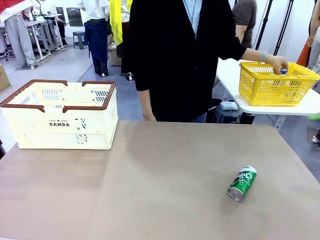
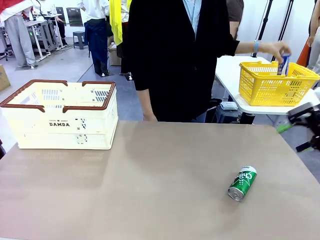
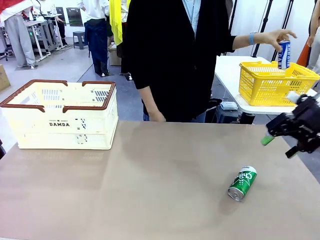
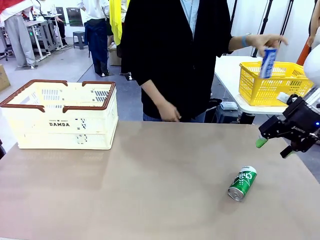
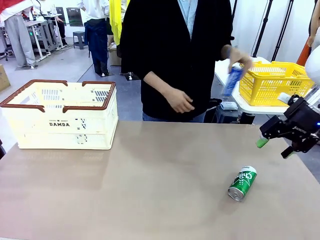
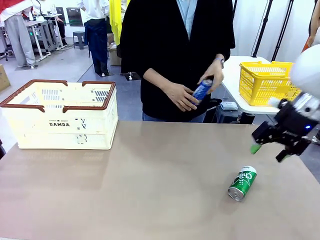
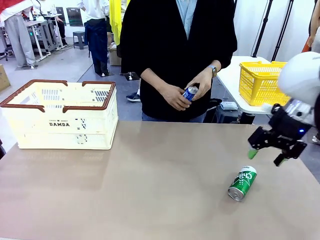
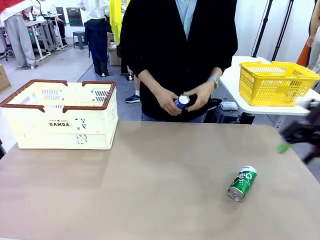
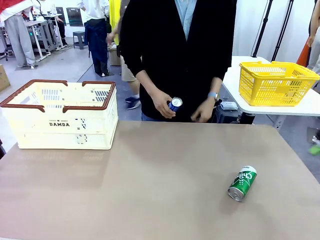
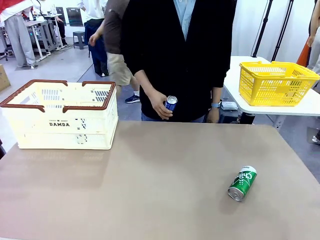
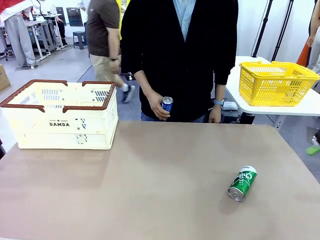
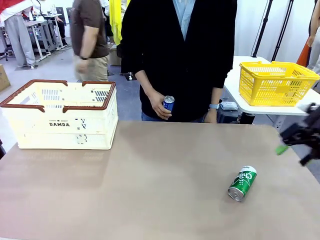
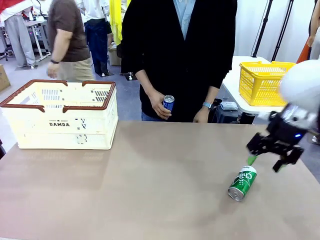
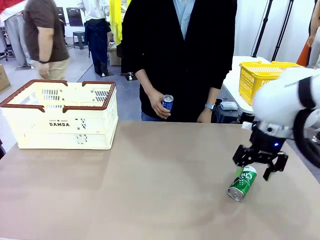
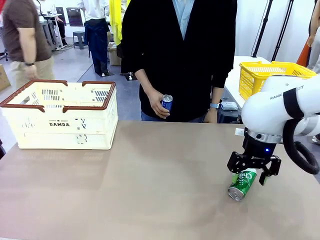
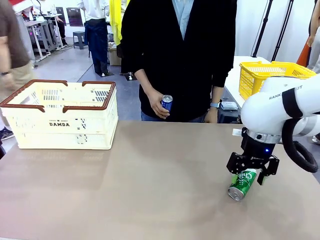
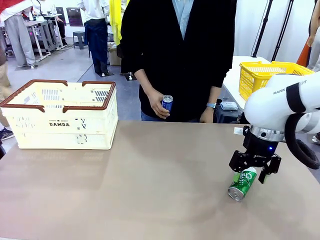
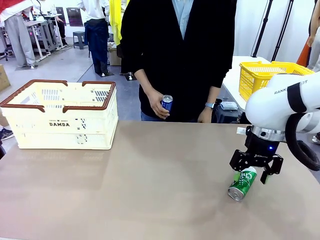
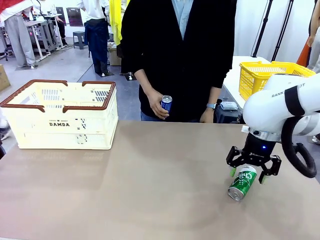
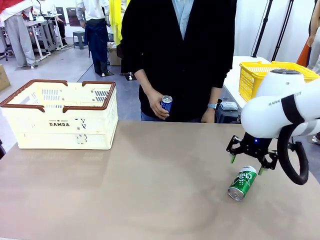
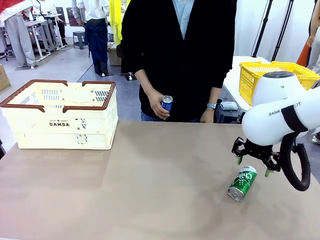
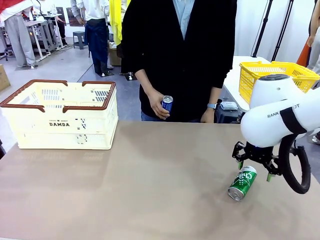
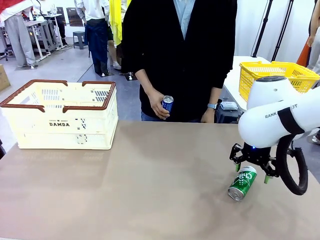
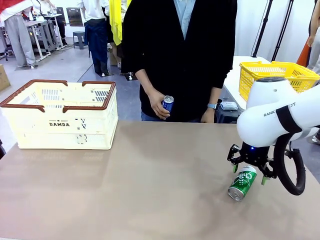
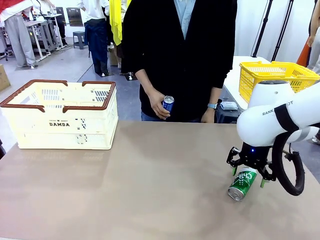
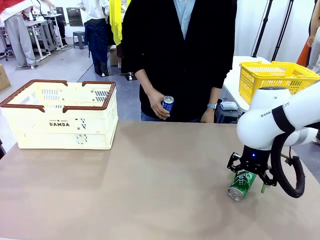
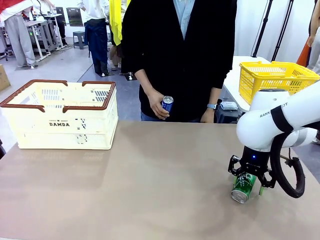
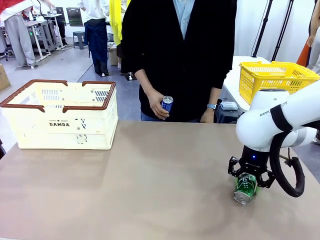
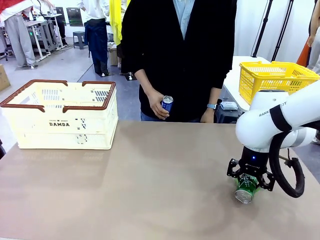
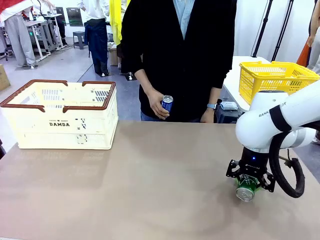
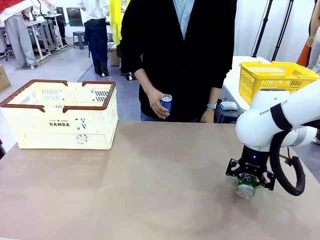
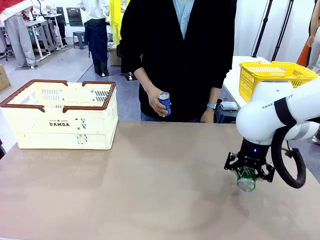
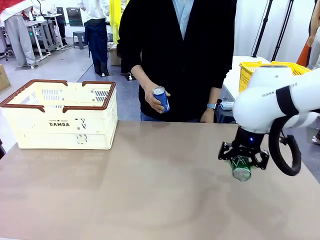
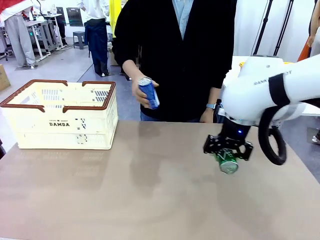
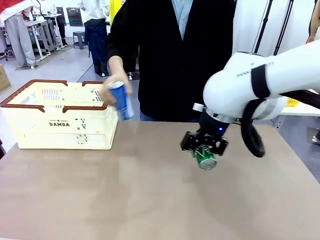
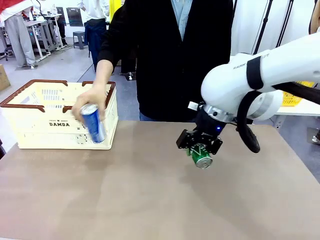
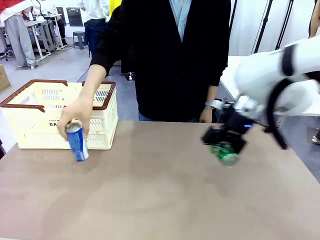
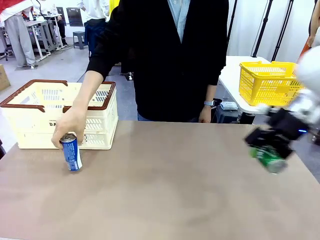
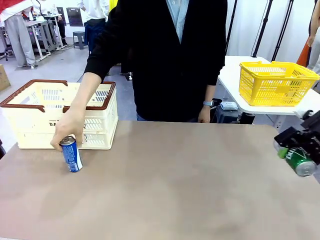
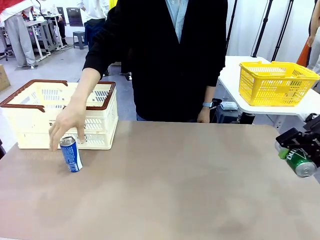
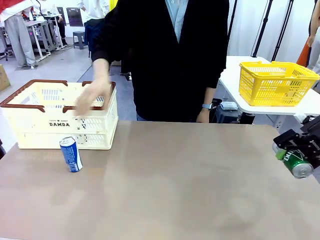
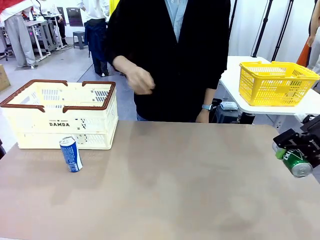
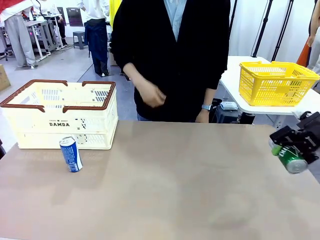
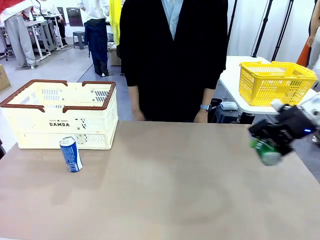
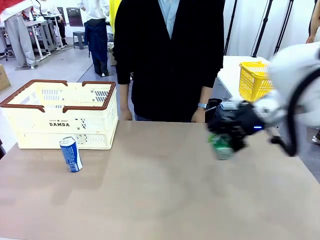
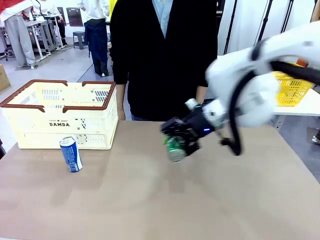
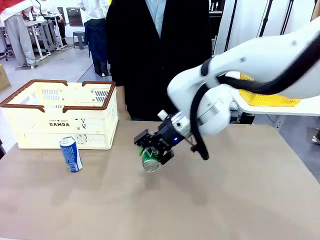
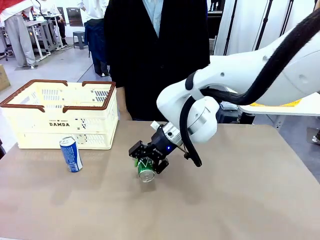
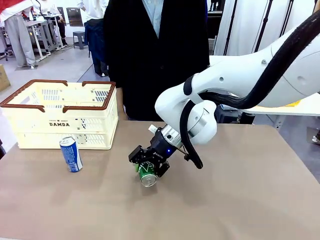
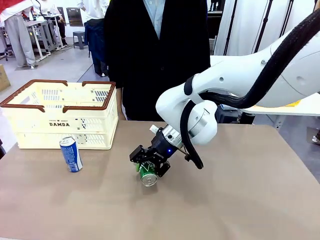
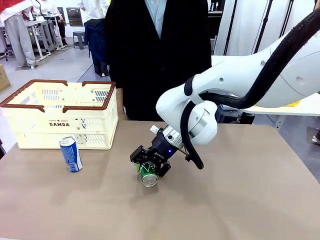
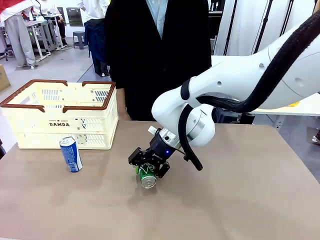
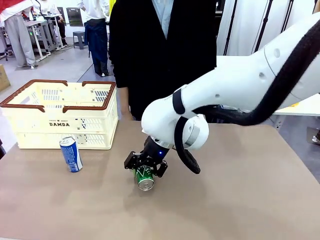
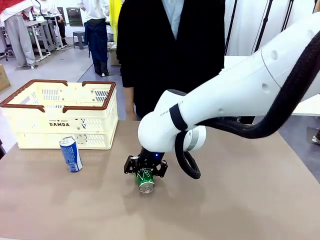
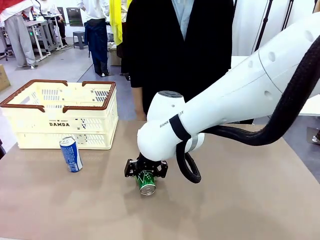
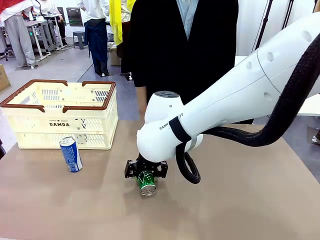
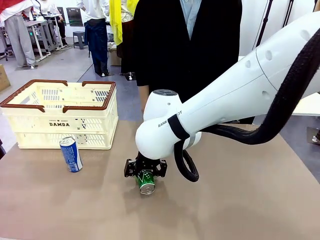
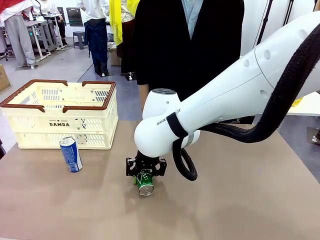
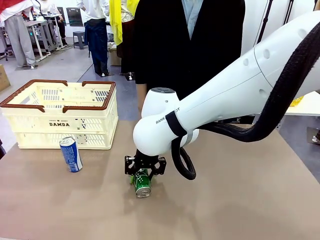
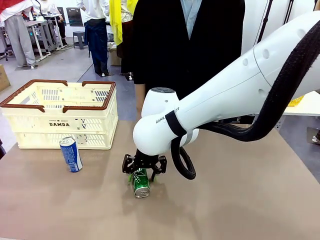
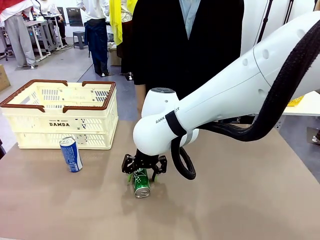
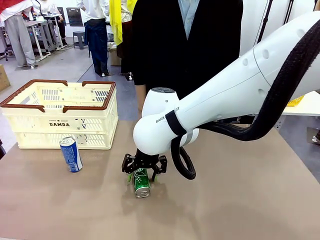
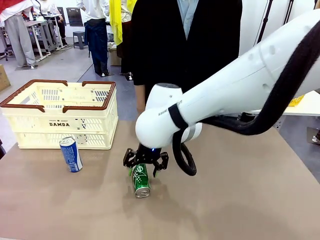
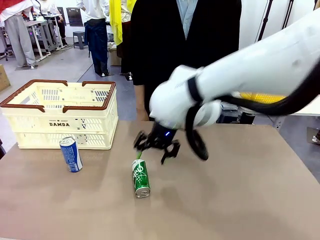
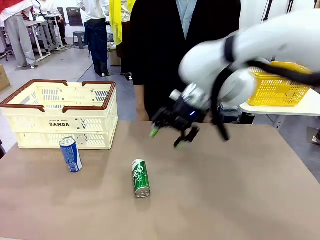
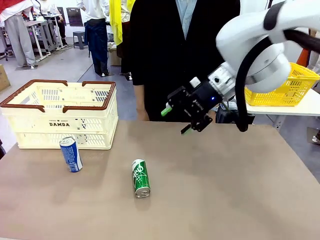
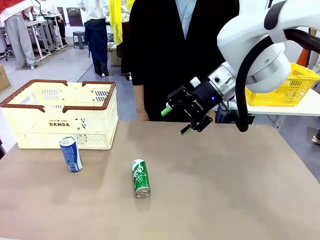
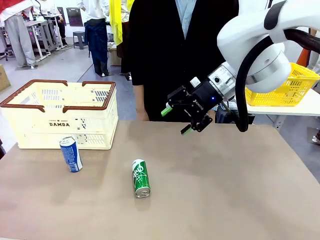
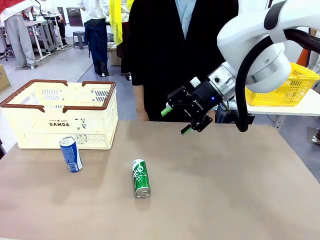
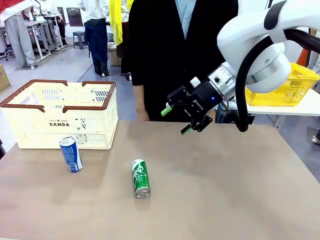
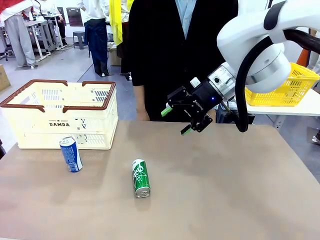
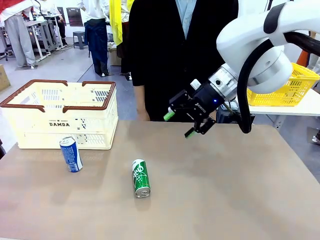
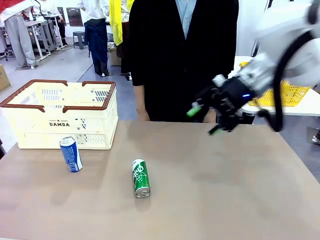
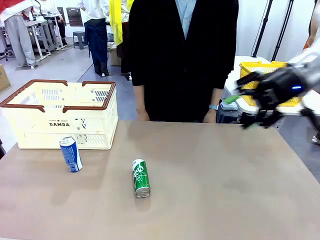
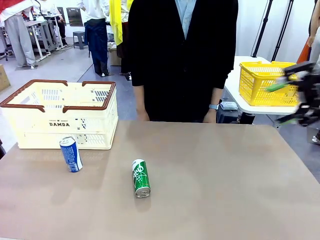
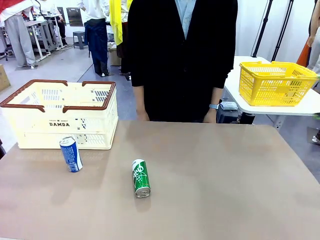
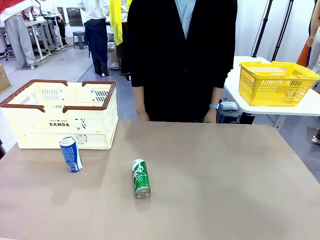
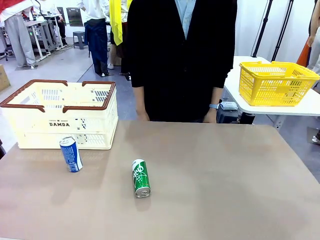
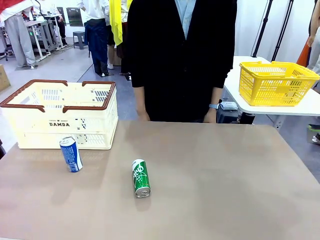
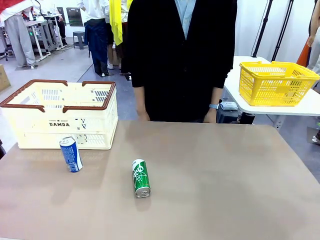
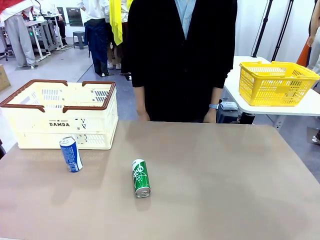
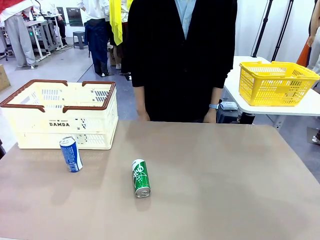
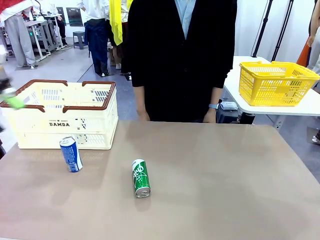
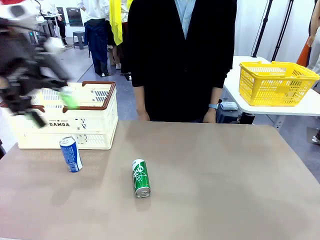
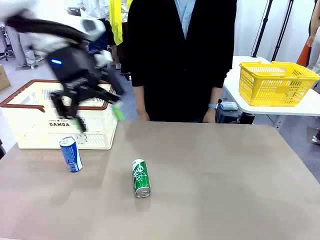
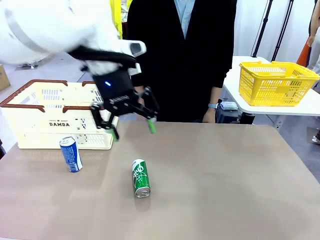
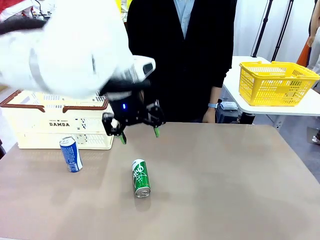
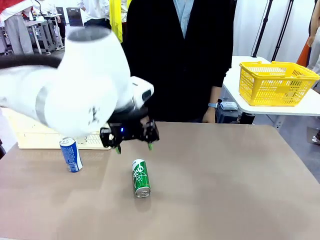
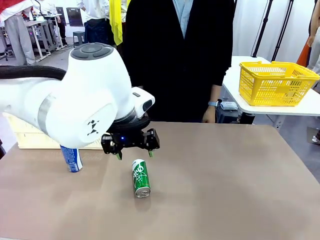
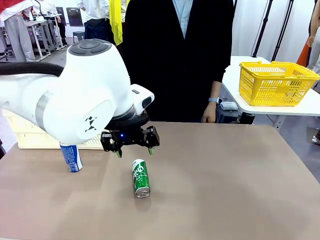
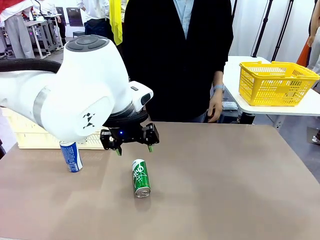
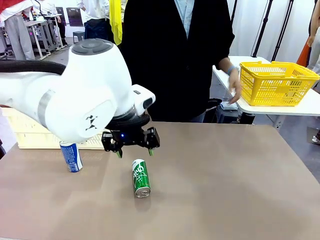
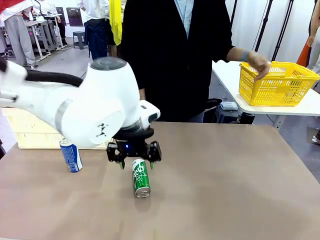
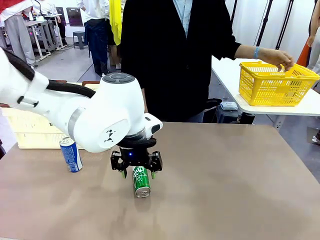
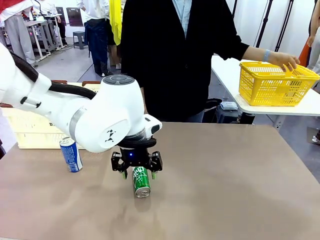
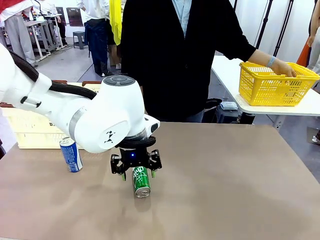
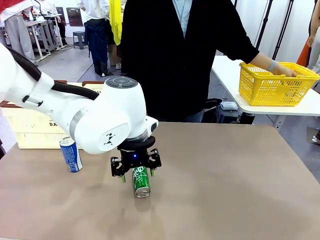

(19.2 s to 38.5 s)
Task: Place the drinks into the Shopping basket.
Robot: Pick up one drink and place it into the Shopping basket.
